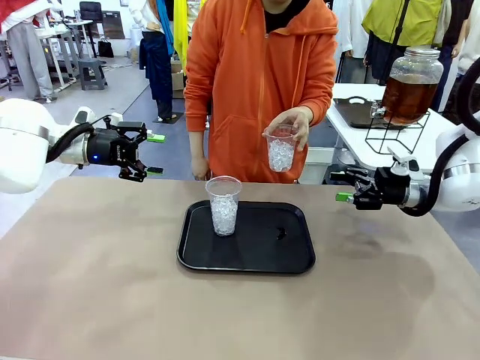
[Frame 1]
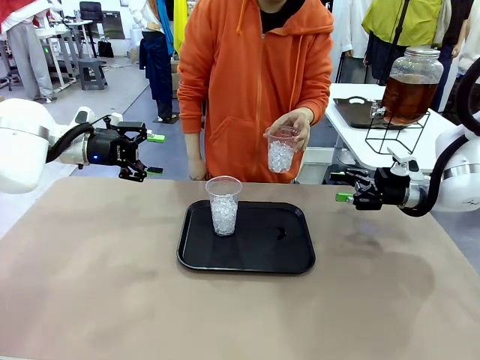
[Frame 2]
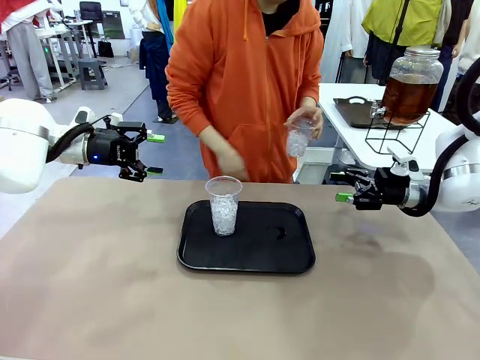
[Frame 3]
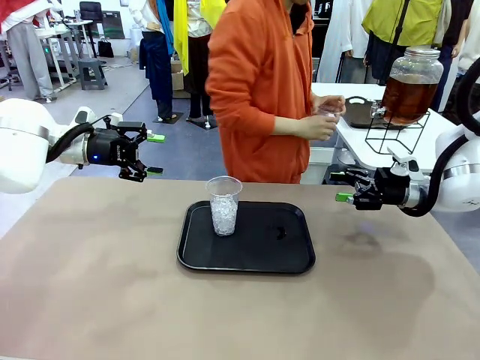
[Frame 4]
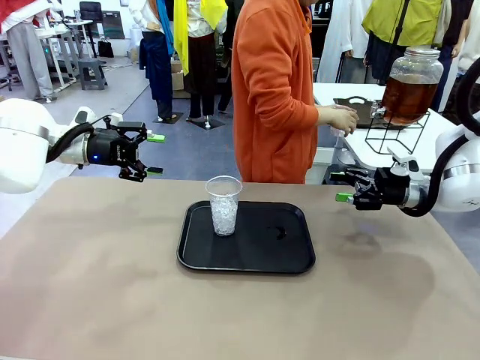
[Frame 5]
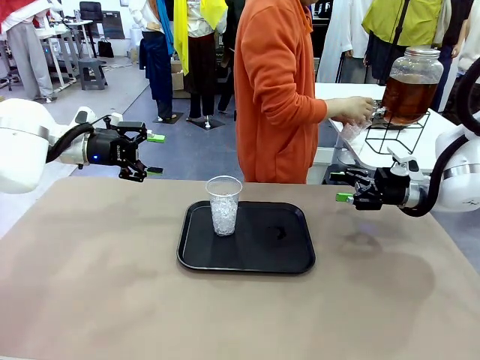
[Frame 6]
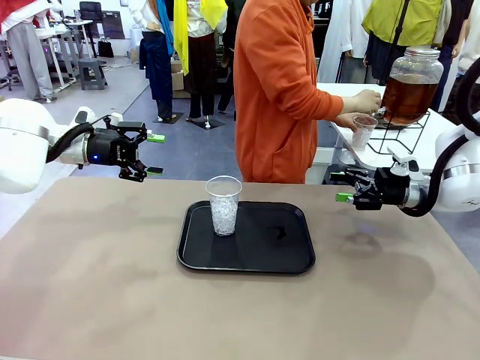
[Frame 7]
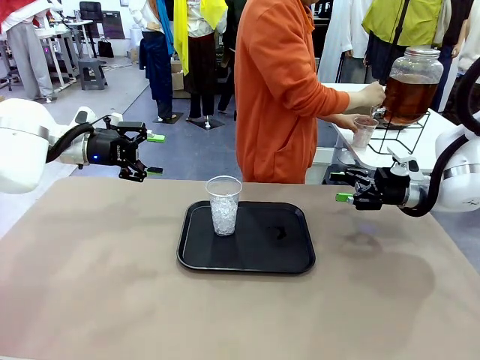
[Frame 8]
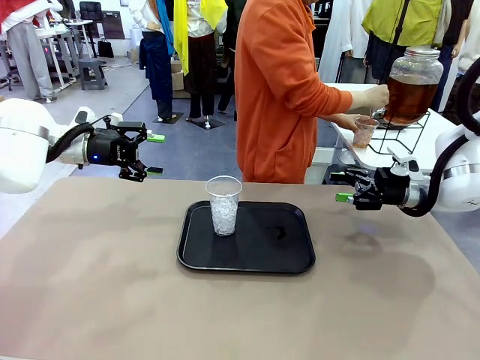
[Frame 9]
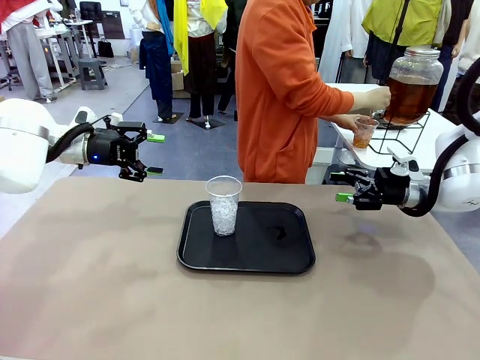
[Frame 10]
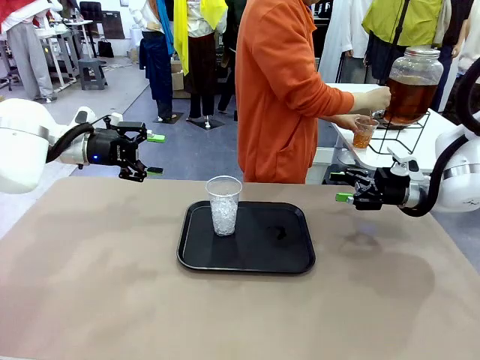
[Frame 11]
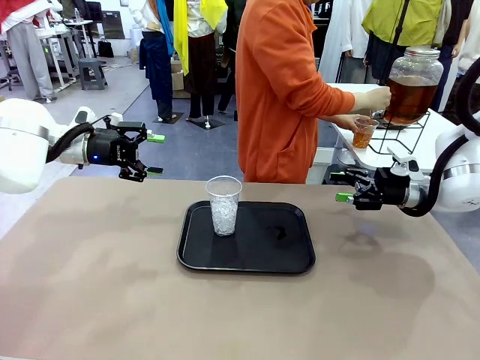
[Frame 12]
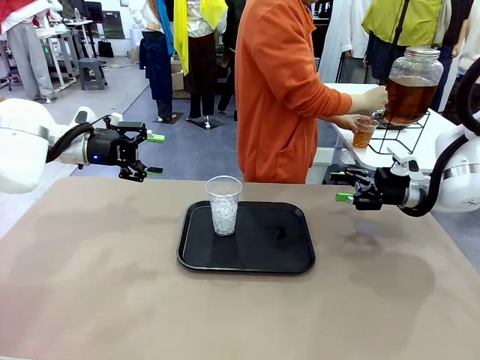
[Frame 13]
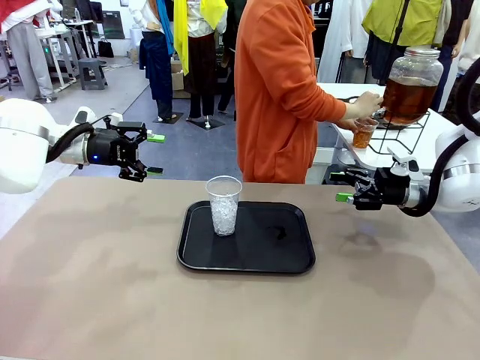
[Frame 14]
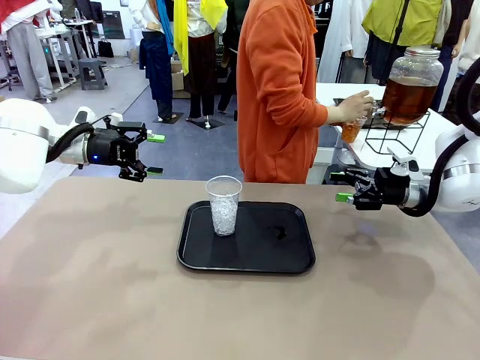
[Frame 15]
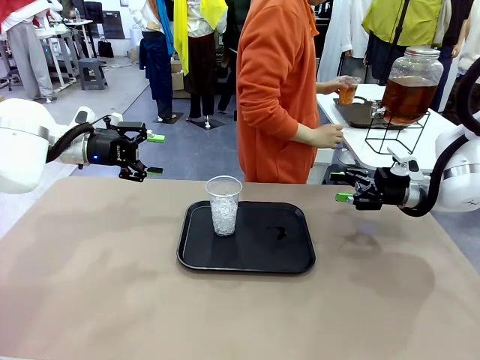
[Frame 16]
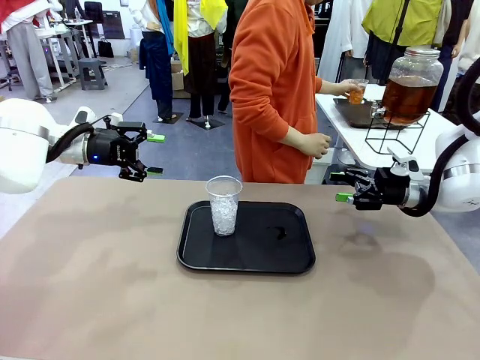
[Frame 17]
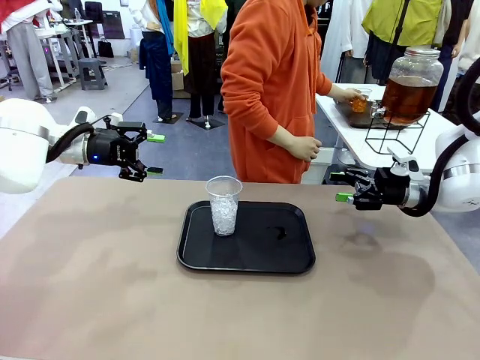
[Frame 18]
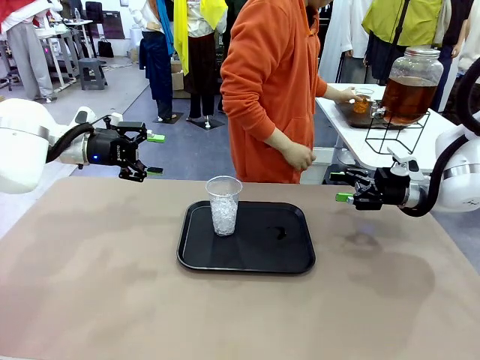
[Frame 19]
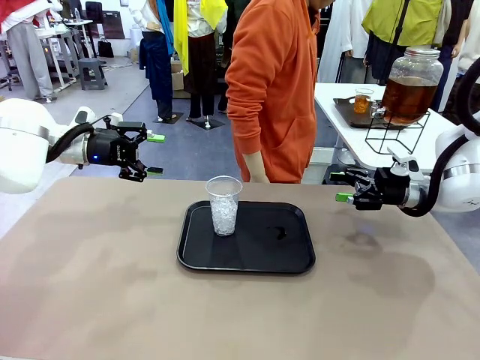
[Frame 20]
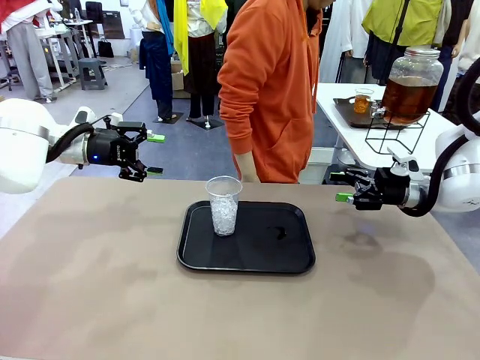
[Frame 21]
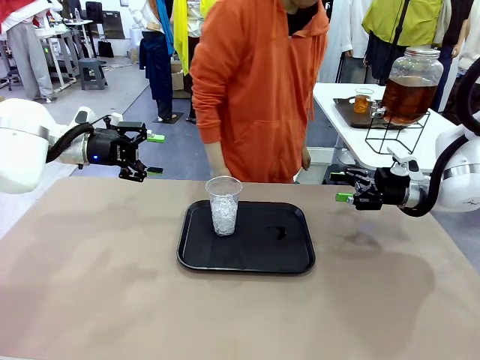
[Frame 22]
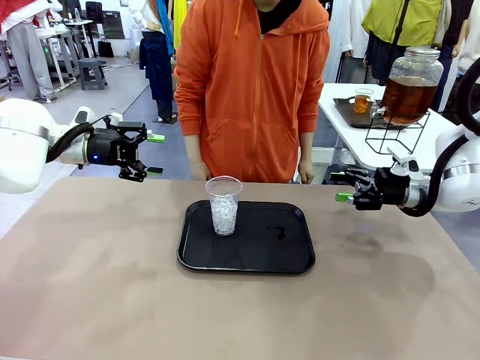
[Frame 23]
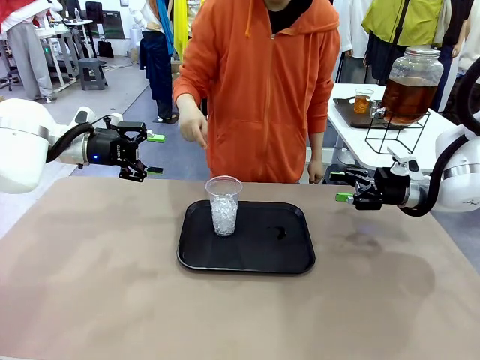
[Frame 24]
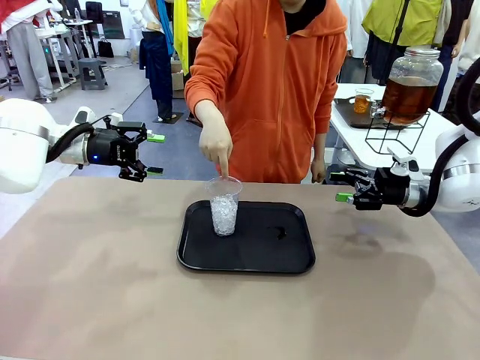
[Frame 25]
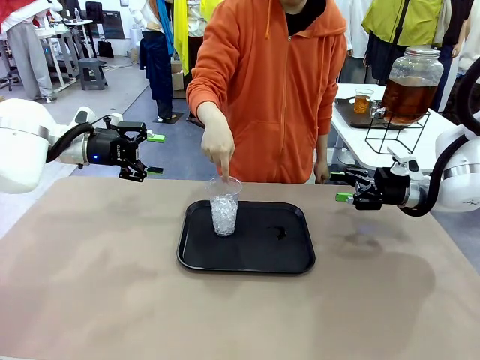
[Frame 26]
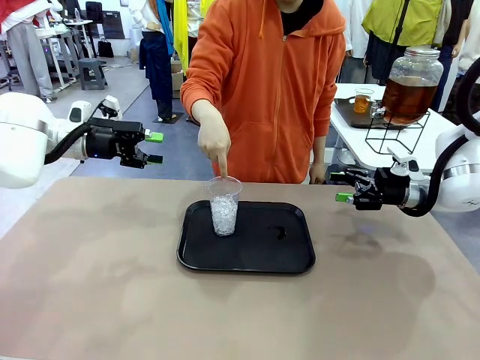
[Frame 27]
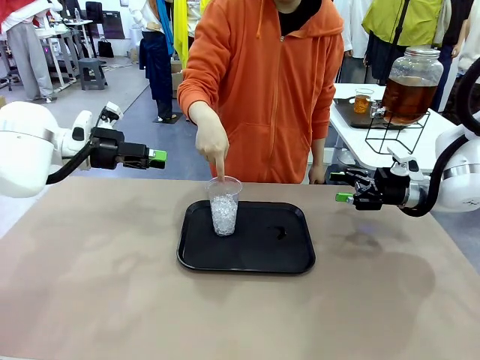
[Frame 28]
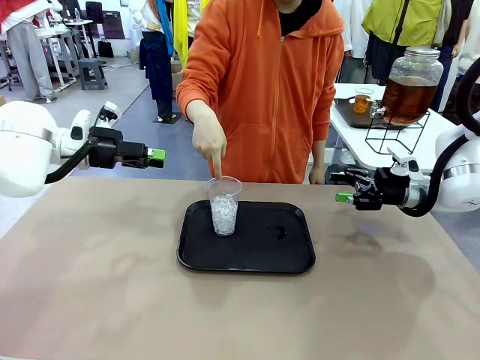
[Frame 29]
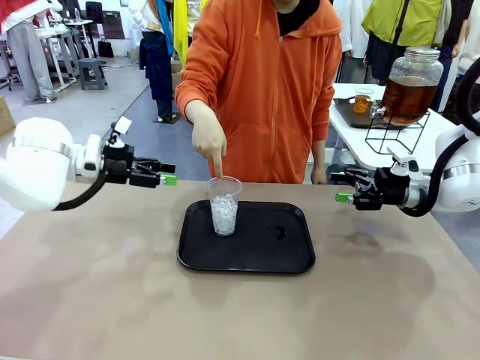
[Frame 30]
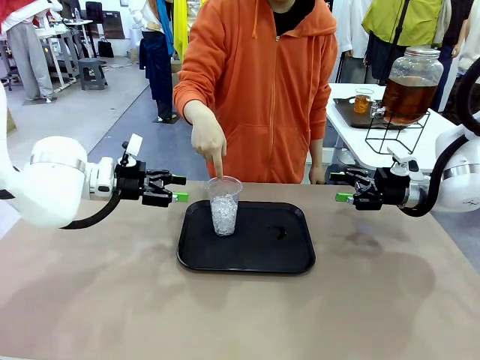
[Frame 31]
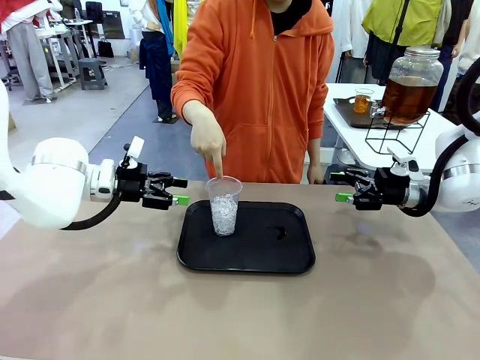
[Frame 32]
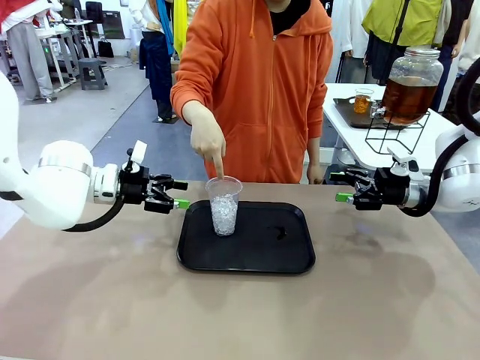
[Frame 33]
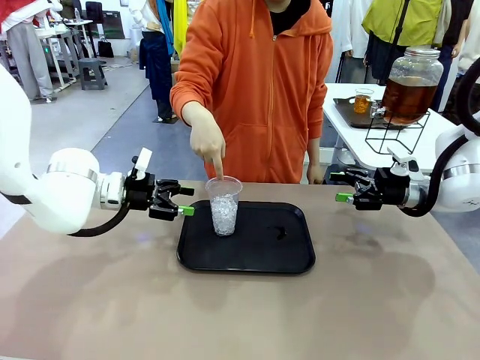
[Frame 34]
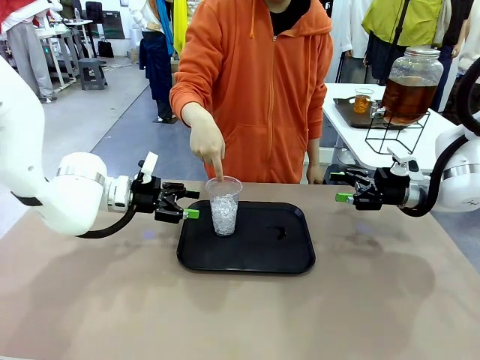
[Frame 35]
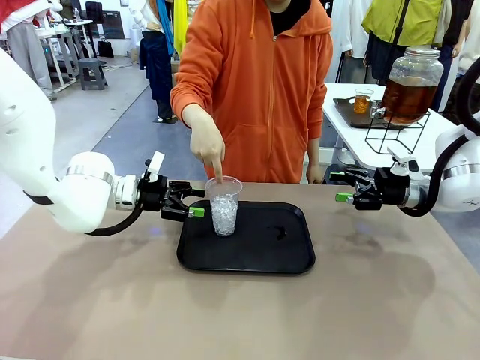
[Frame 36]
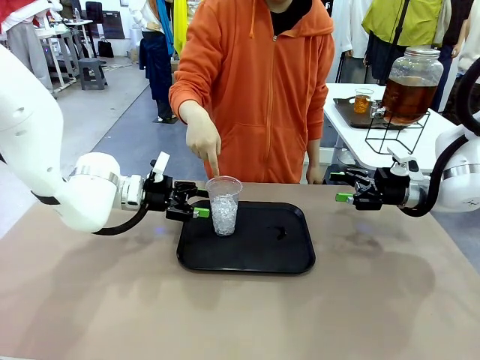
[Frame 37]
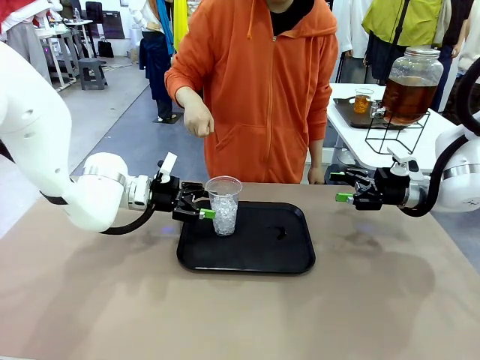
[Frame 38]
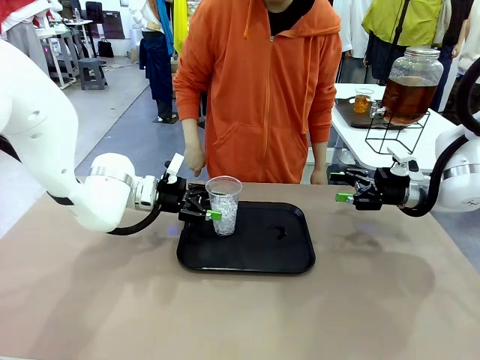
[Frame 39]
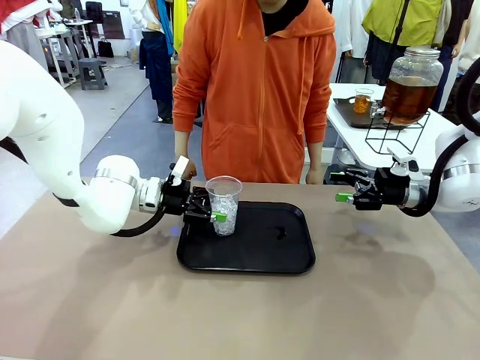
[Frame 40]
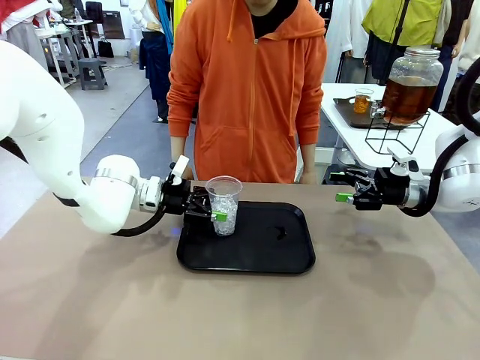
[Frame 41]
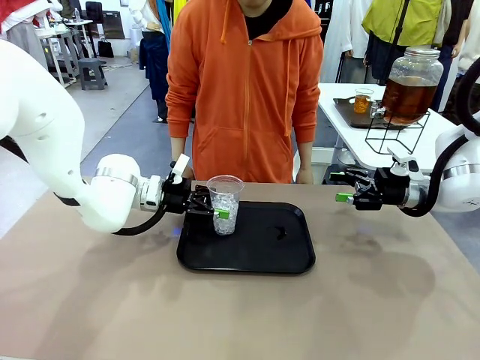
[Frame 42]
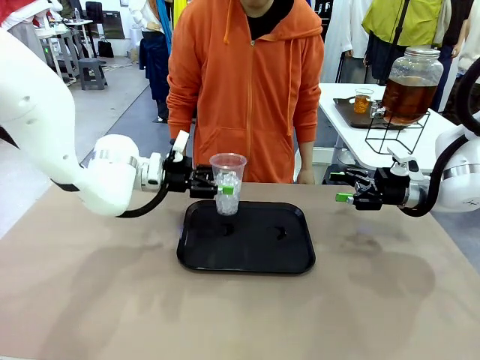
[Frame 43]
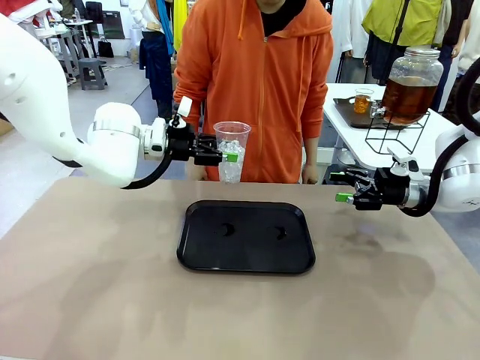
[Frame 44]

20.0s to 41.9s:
Task: Pour the drink into the iced cup.
Robot: Pick up the iced cup indicated by the human and present it to them.
Person: Move the picked-up cup under the dispenser faucet, pour the drink, and place it on the tray on the human table. Point to the remaining ice cup on the robot table. Pick up the cup offered by the robot.

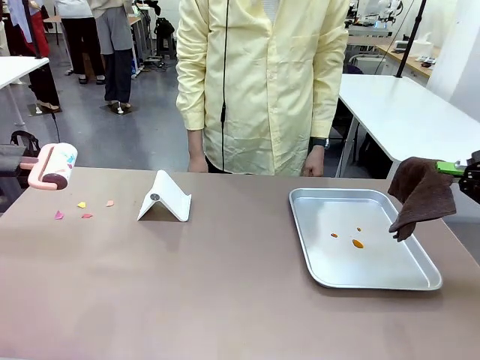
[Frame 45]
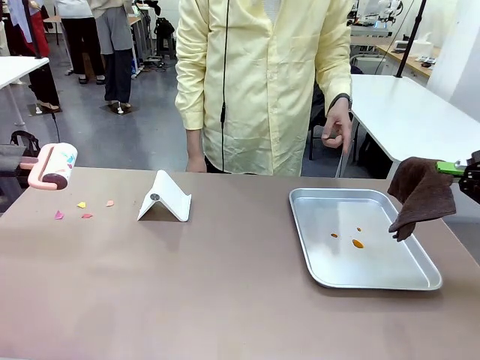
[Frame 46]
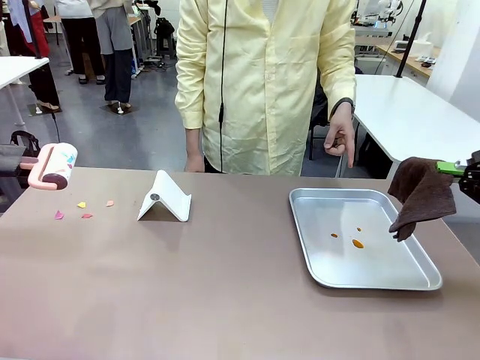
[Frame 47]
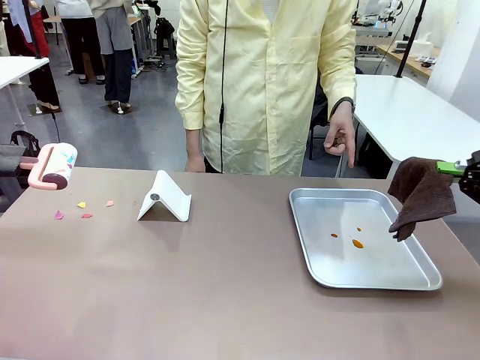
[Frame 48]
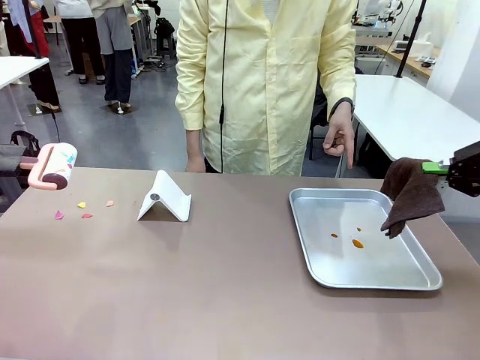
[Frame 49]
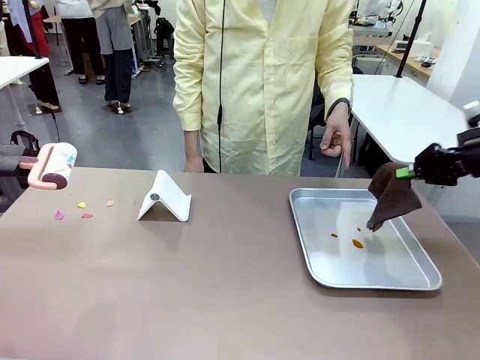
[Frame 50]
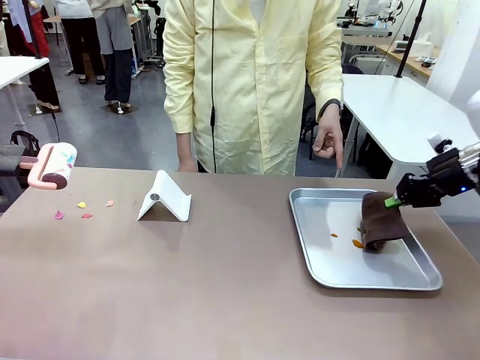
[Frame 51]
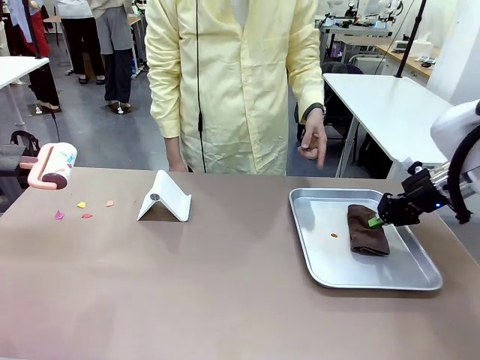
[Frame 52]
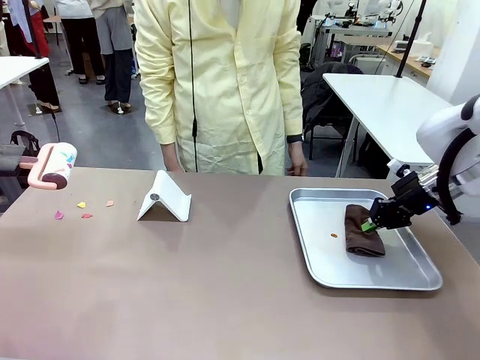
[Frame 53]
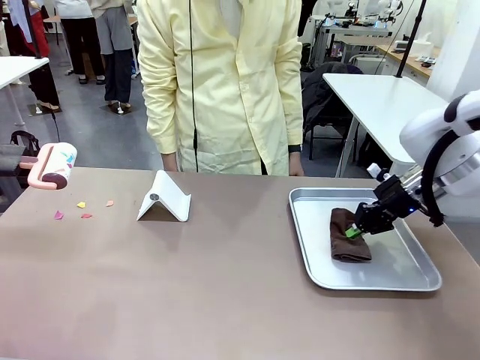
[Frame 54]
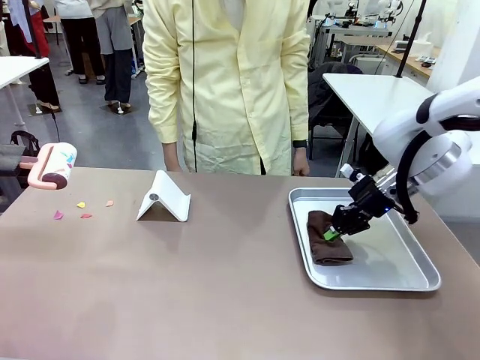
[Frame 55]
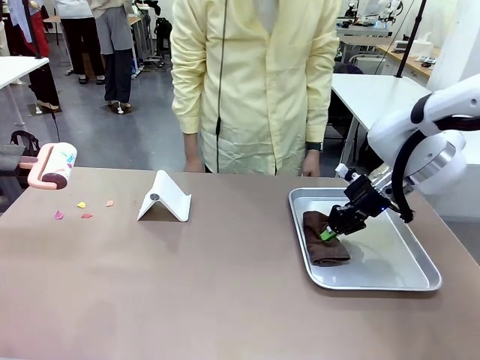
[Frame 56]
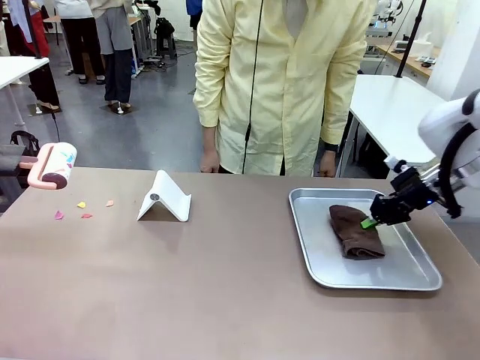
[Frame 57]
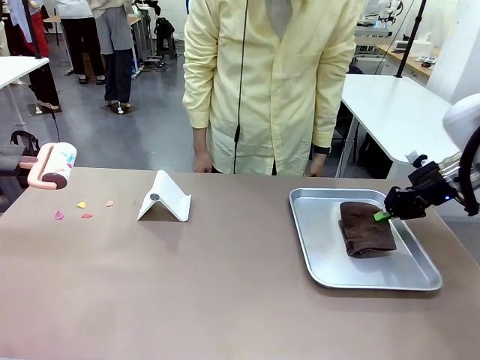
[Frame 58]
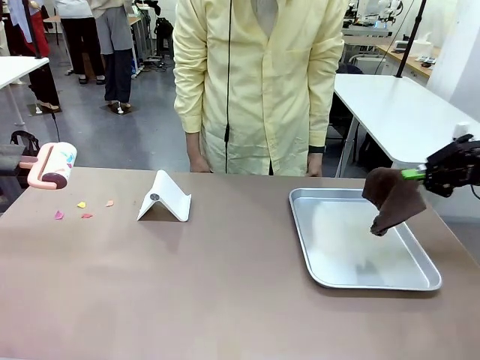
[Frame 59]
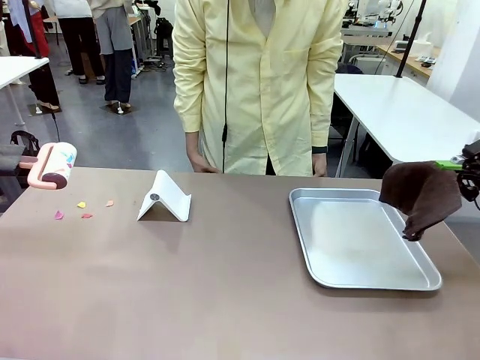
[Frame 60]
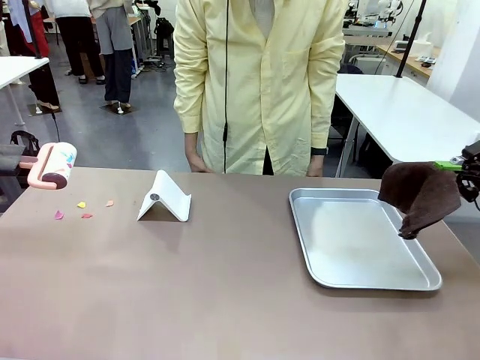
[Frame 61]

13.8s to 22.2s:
Task: Clean the surface of the table.
Robot: If a person points to the right, clean the right side of the table with your right hand, and if they point to the left, clean the left side with your left hand.
